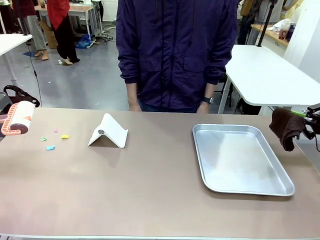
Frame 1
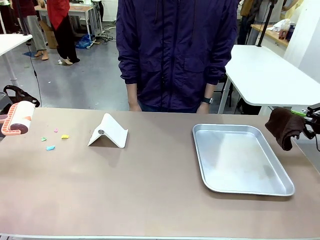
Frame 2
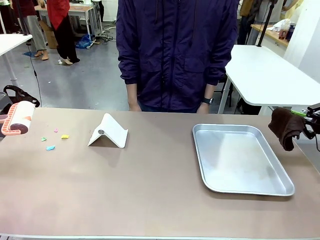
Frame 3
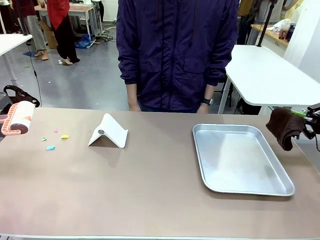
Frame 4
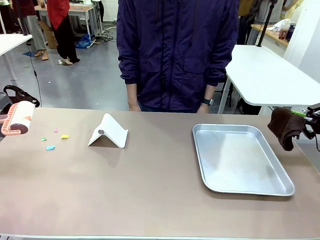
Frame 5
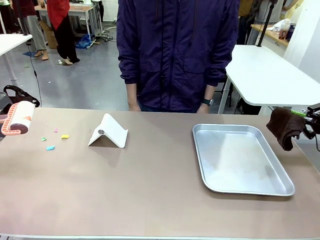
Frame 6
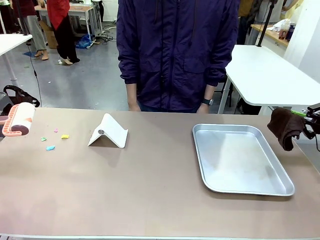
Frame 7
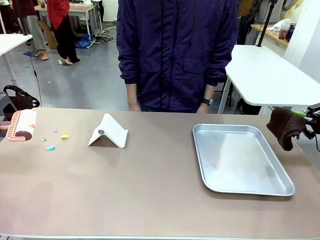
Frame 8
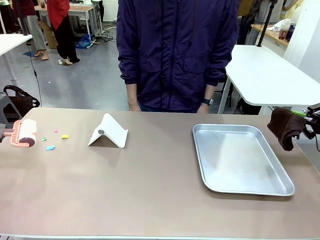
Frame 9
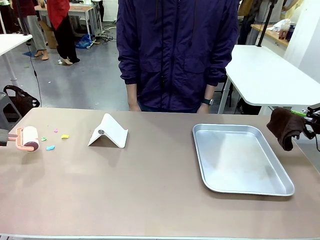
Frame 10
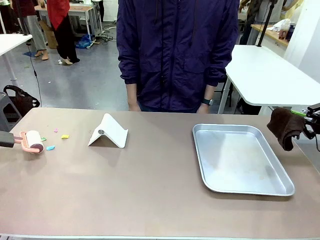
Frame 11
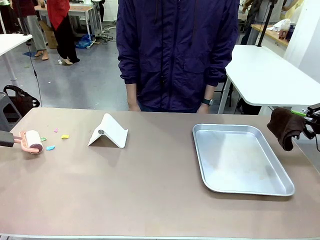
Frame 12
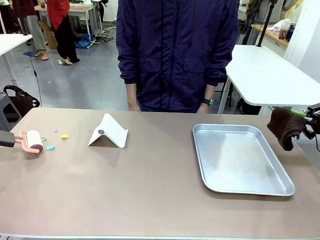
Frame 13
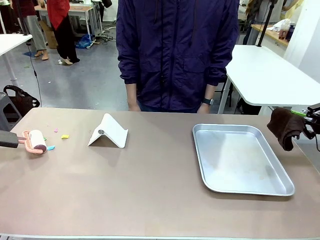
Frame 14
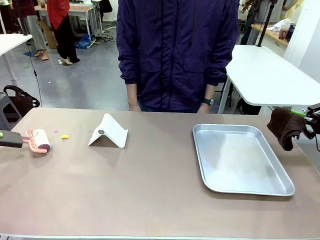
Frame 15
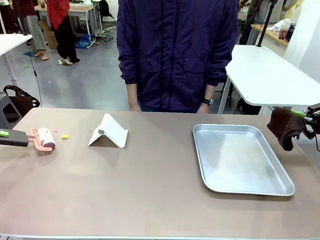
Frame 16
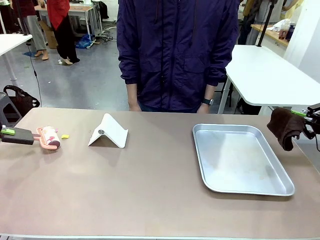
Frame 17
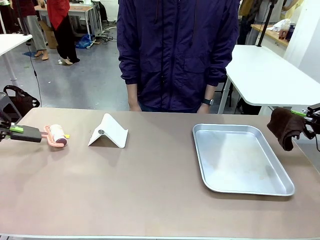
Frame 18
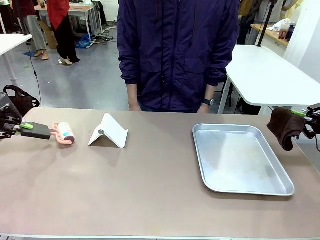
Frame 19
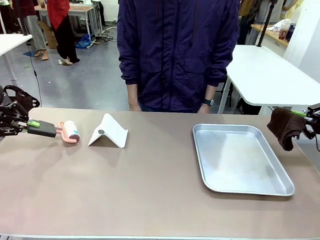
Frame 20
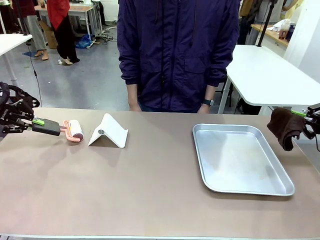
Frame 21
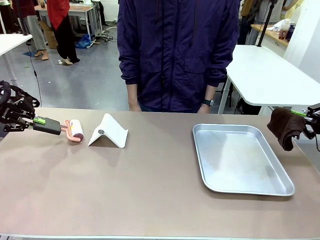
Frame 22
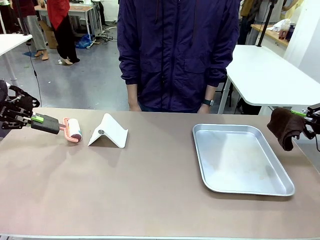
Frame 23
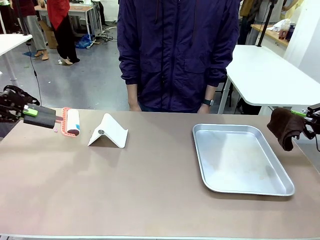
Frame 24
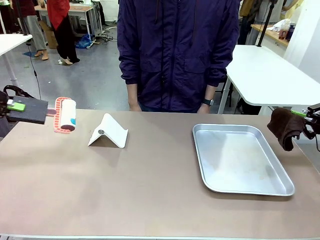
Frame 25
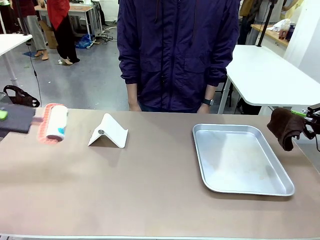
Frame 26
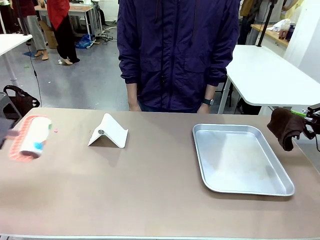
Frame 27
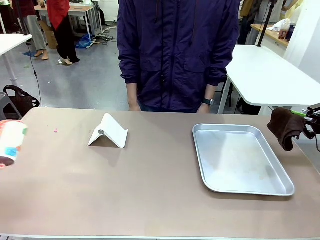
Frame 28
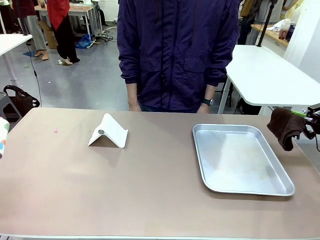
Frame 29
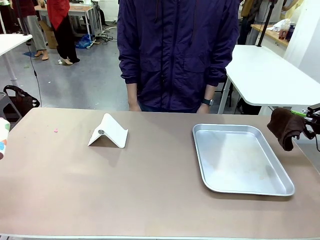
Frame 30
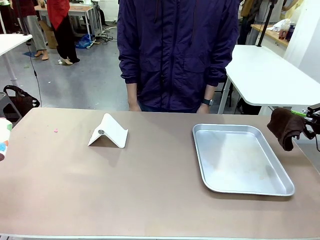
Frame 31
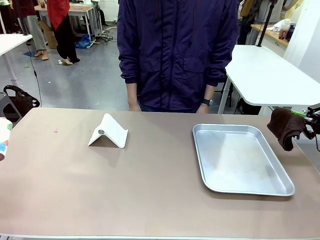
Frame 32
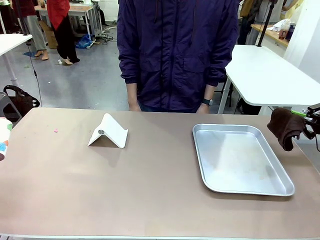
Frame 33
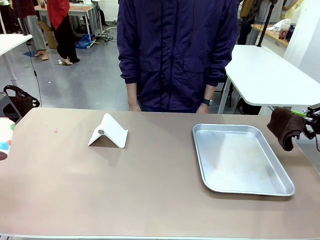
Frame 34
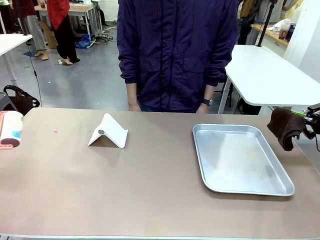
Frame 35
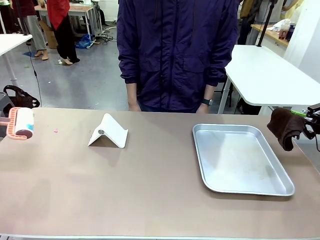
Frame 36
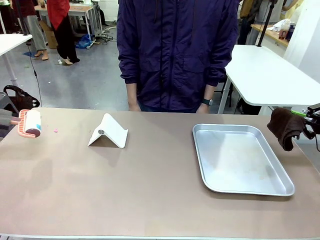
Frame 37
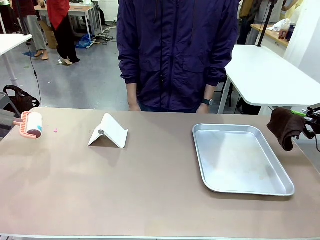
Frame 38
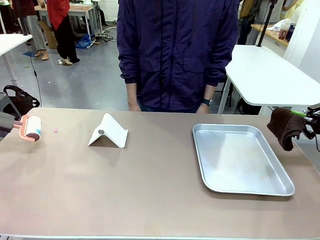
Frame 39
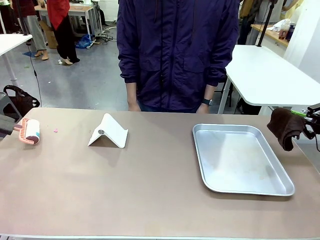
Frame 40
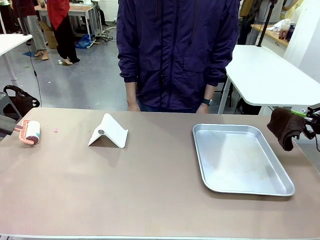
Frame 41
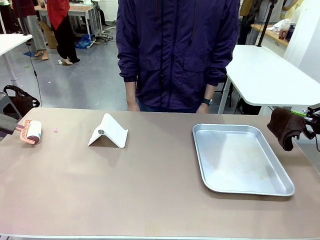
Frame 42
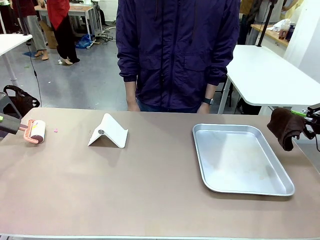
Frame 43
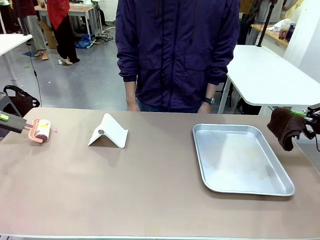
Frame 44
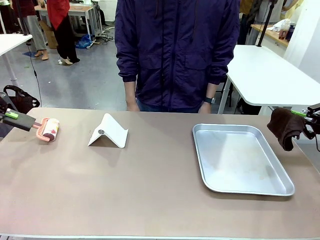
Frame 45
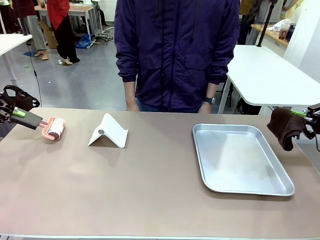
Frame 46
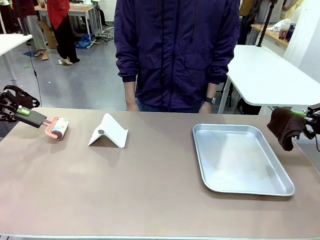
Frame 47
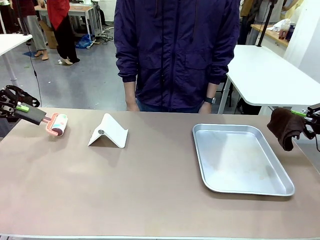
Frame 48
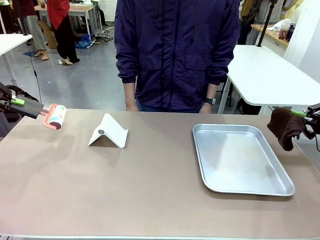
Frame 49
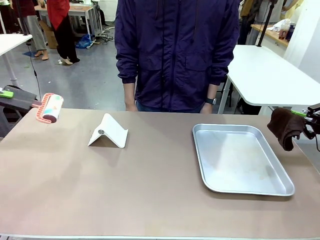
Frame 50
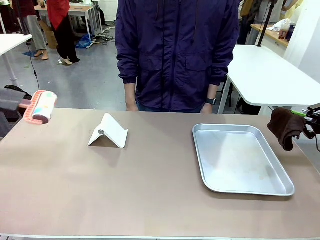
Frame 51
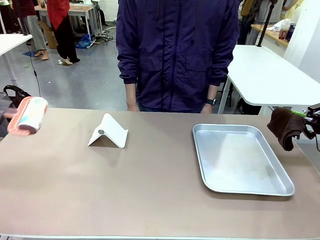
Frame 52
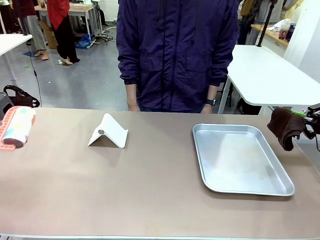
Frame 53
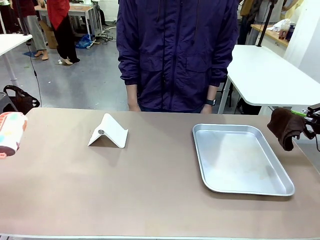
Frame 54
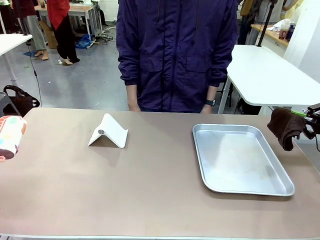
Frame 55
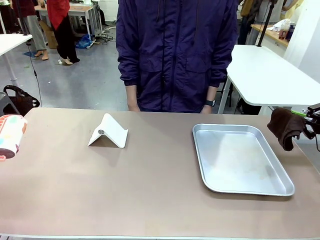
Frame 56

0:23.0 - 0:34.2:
Task: Clean the surface of the table.
Robot: Clean the area not pointed to by the person.

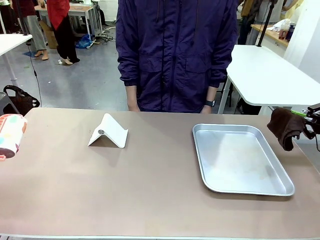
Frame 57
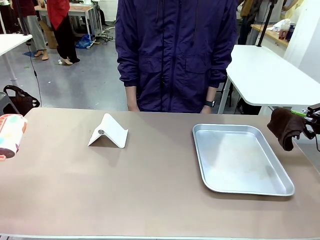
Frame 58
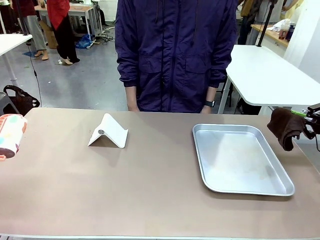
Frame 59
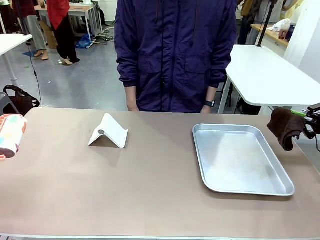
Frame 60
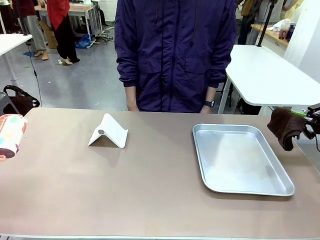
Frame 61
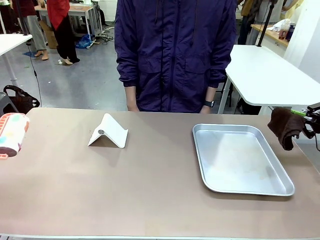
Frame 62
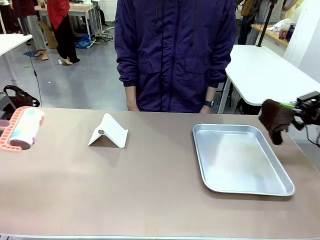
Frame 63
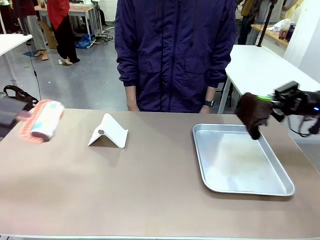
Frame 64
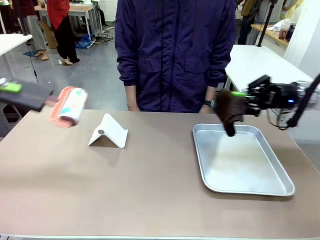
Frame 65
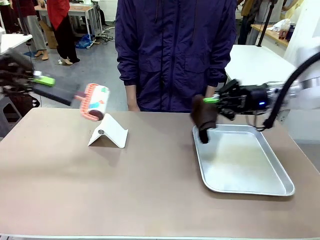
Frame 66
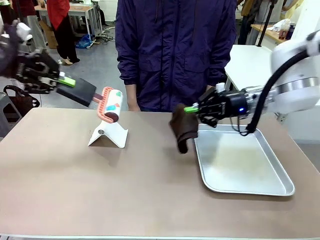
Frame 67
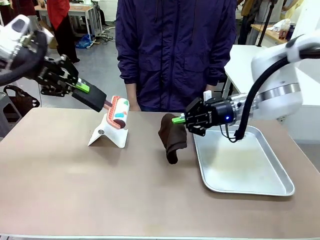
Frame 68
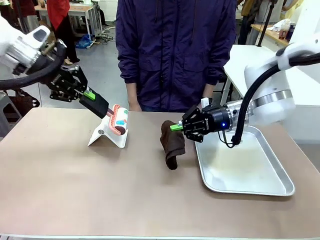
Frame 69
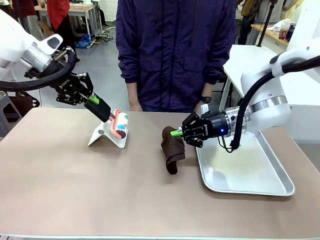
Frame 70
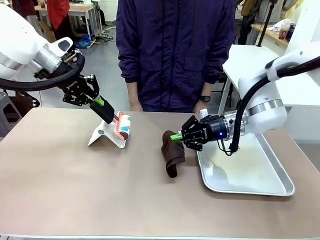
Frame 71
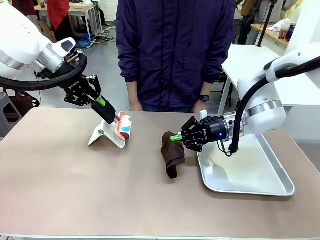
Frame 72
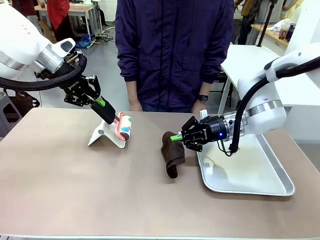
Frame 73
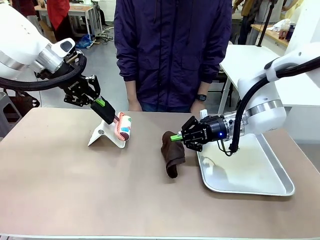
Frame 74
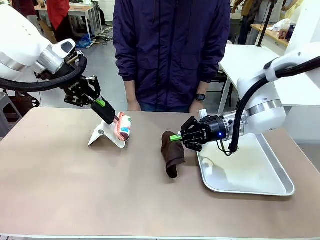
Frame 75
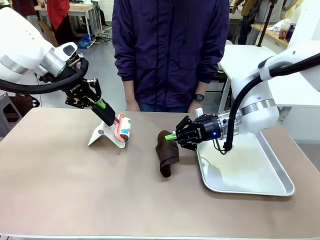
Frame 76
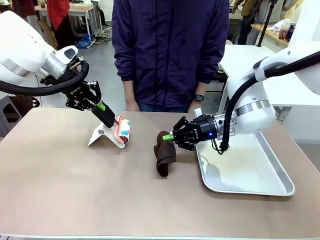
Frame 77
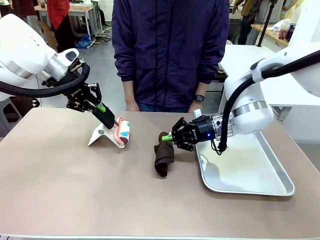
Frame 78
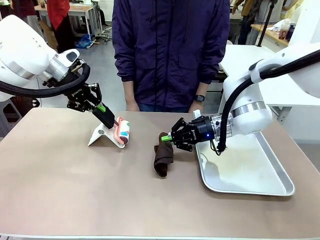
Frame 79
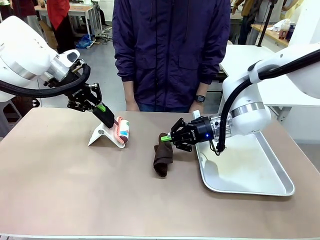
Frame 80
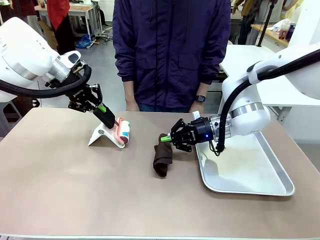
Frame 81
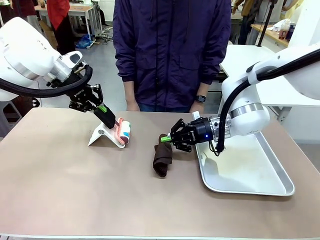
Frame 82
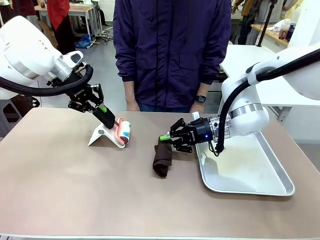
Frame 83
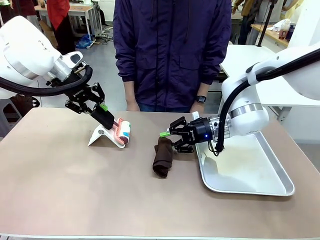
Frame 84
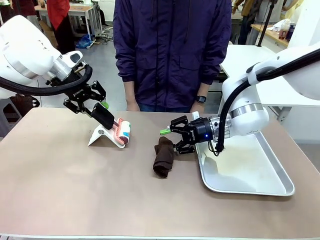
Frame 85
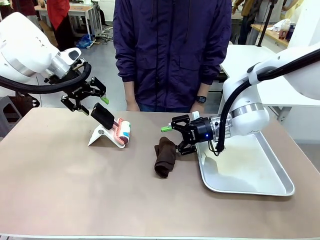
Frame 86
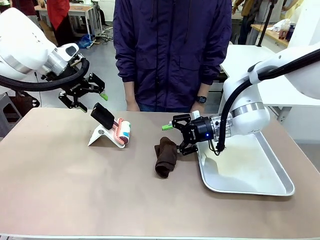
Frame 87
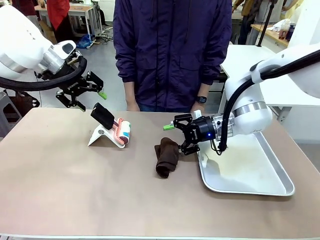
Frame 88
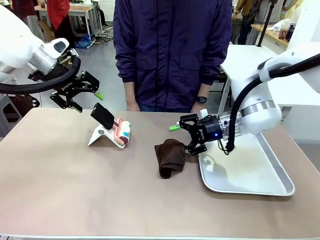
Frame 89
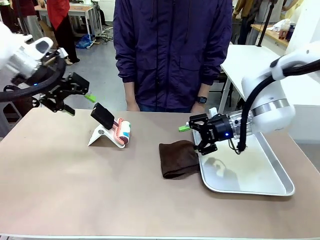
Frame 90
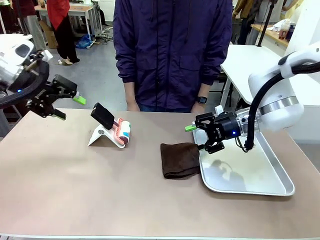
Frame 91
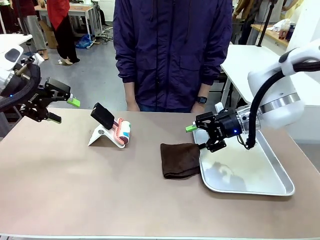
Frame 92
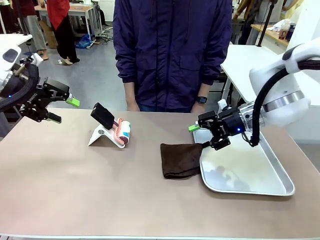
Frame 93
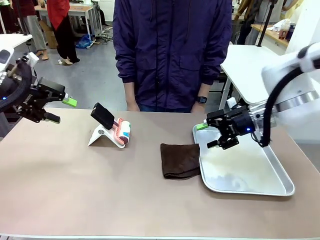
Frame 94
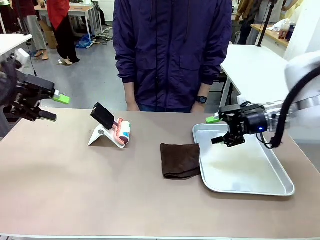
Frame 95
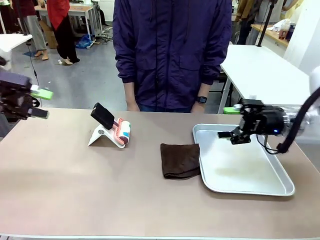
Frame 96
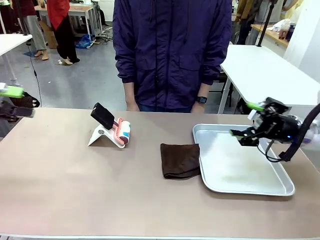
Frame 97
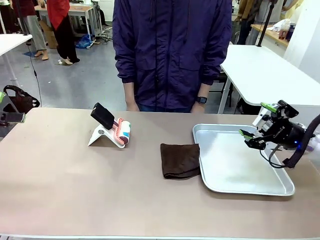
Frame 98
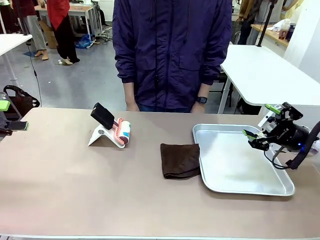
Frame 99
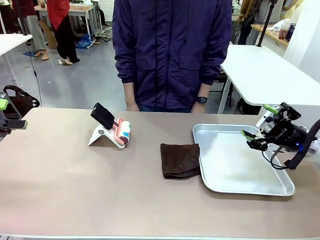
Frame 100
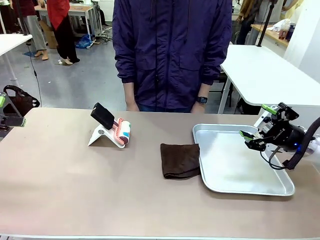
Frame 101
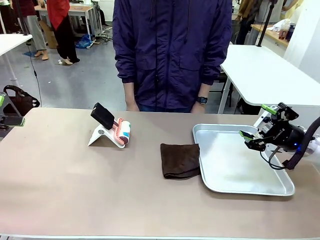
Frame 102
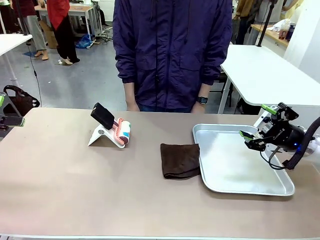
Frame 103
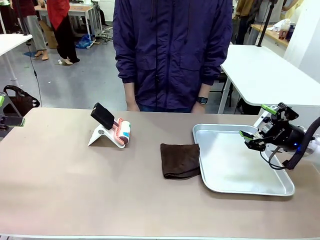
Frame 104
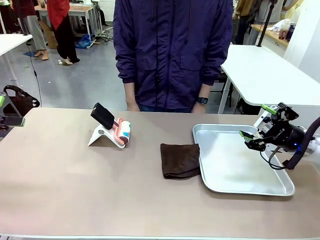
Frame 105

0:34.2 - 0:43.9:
Robot: Return the Lint Roller and towel to their original positions.
